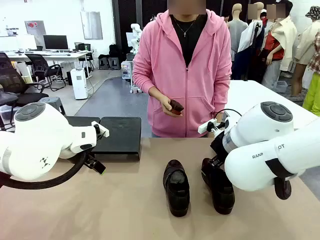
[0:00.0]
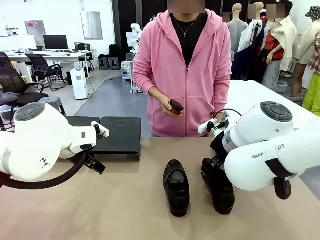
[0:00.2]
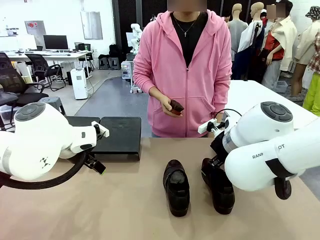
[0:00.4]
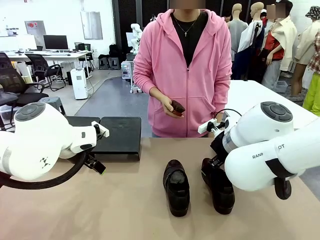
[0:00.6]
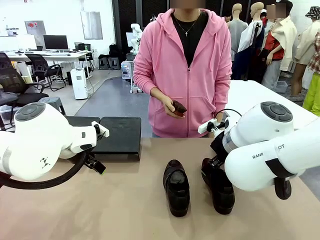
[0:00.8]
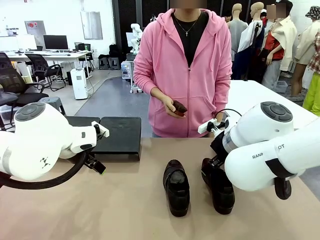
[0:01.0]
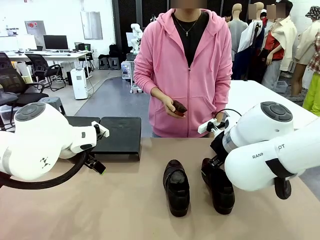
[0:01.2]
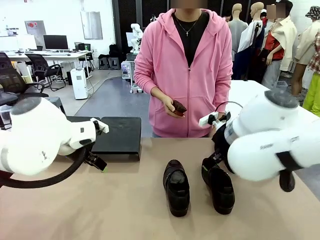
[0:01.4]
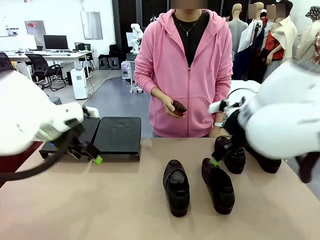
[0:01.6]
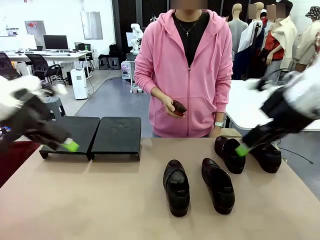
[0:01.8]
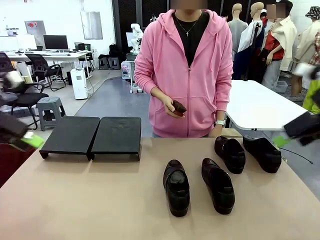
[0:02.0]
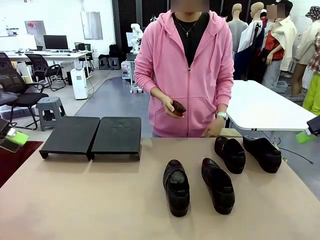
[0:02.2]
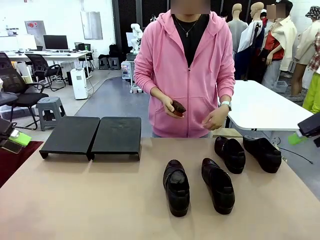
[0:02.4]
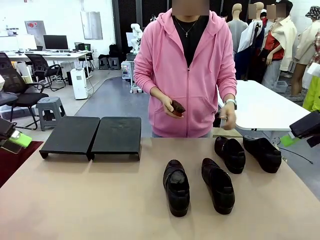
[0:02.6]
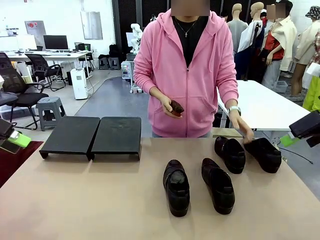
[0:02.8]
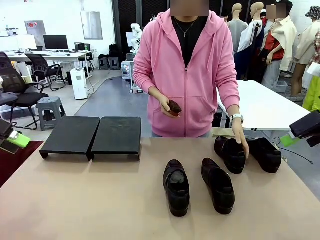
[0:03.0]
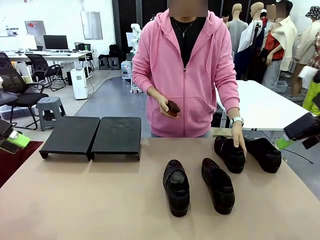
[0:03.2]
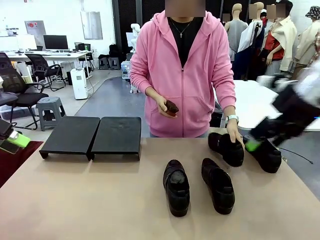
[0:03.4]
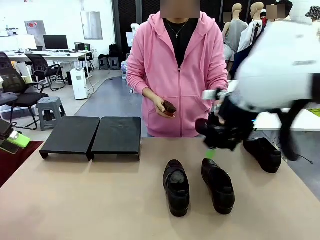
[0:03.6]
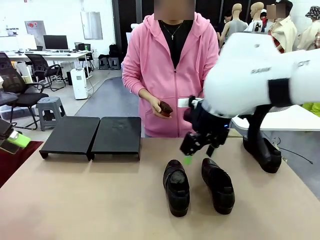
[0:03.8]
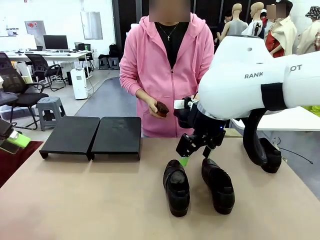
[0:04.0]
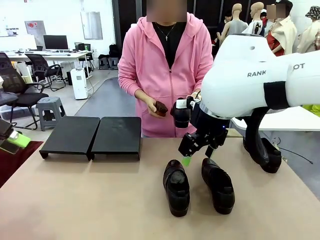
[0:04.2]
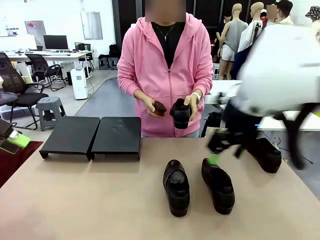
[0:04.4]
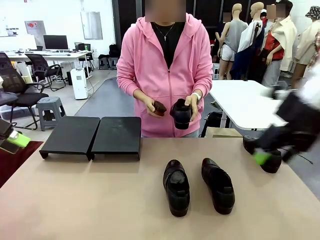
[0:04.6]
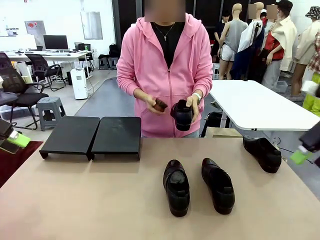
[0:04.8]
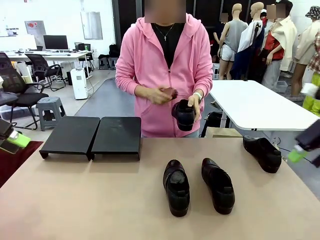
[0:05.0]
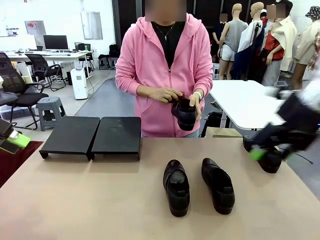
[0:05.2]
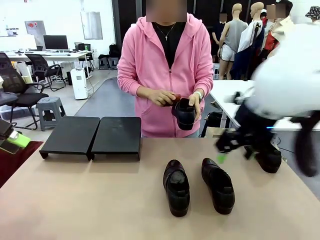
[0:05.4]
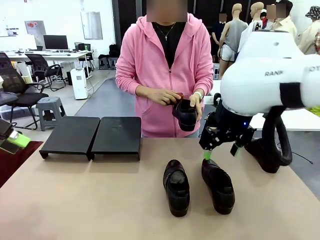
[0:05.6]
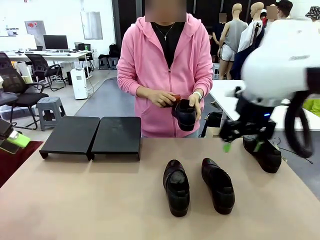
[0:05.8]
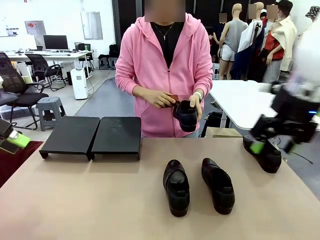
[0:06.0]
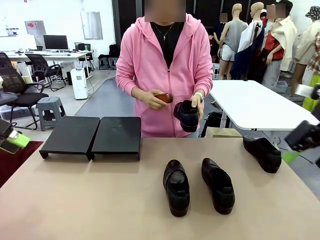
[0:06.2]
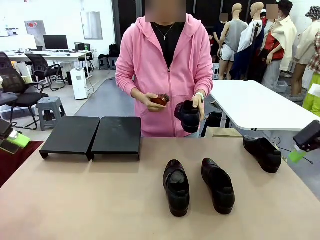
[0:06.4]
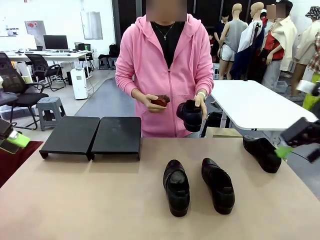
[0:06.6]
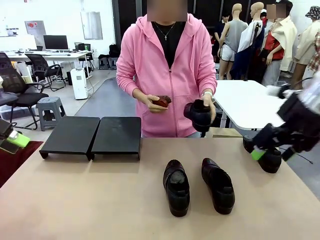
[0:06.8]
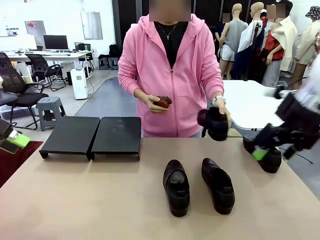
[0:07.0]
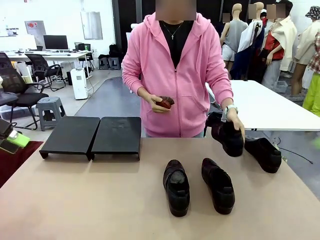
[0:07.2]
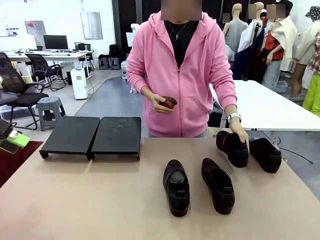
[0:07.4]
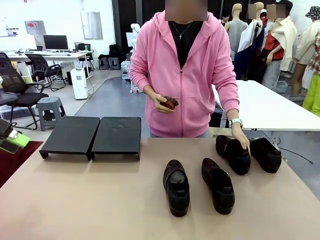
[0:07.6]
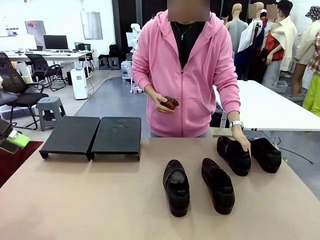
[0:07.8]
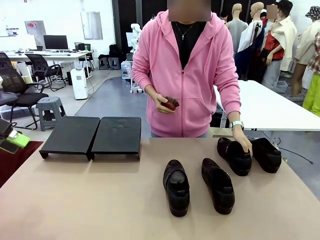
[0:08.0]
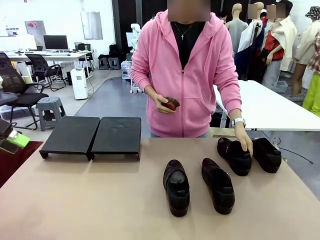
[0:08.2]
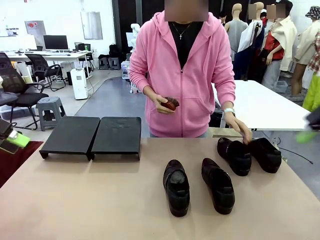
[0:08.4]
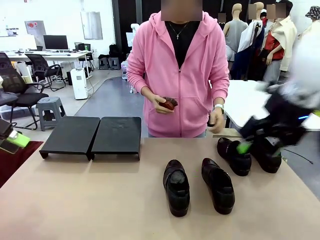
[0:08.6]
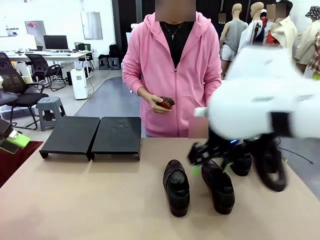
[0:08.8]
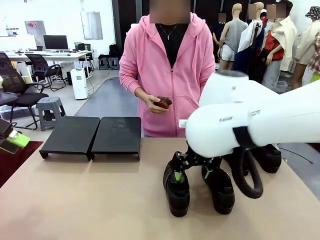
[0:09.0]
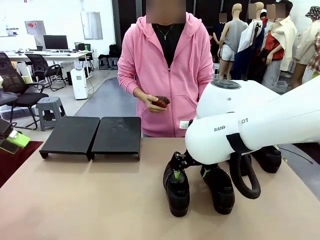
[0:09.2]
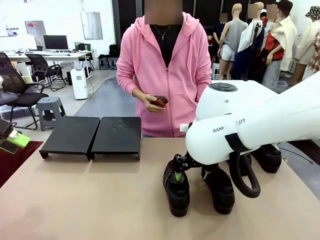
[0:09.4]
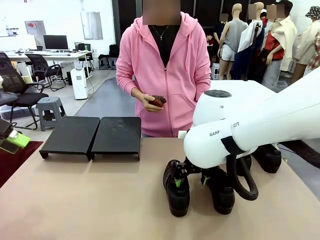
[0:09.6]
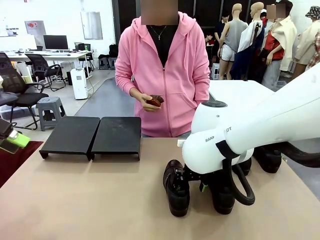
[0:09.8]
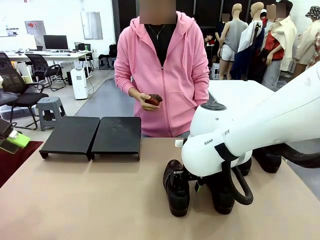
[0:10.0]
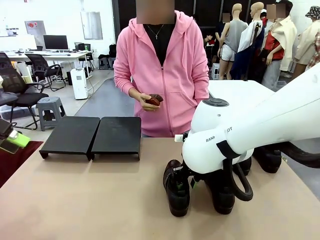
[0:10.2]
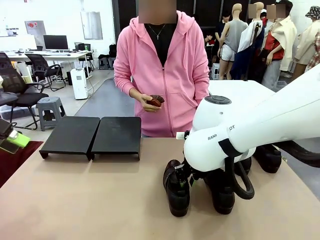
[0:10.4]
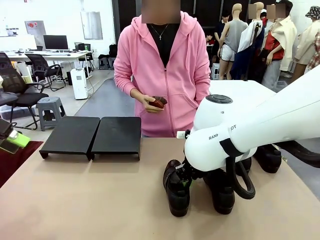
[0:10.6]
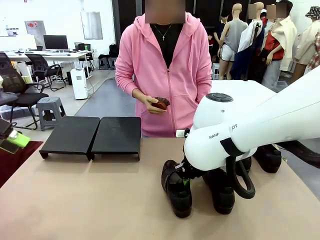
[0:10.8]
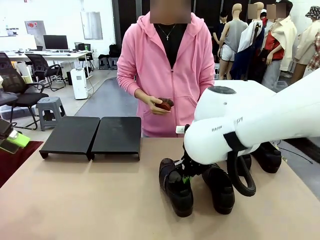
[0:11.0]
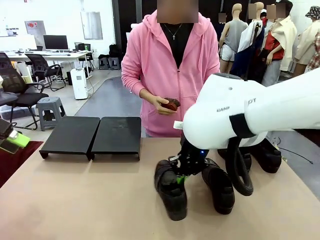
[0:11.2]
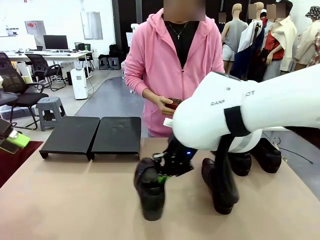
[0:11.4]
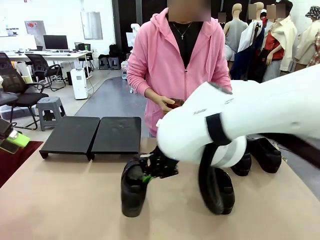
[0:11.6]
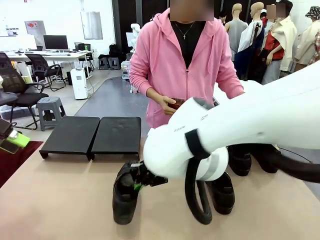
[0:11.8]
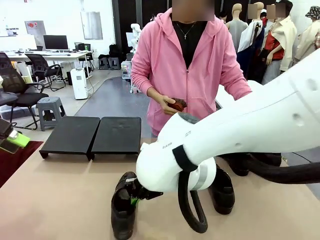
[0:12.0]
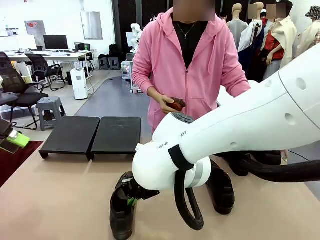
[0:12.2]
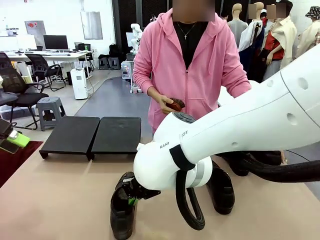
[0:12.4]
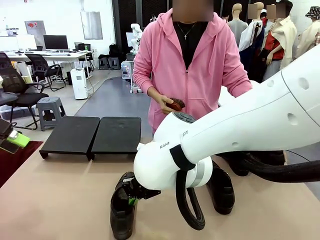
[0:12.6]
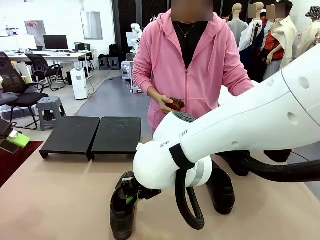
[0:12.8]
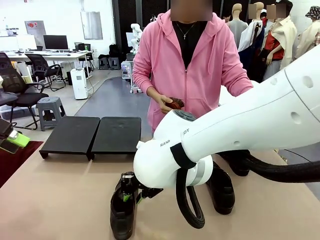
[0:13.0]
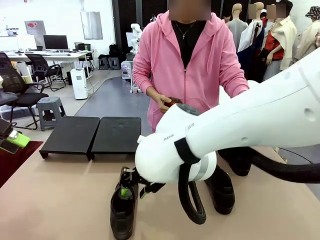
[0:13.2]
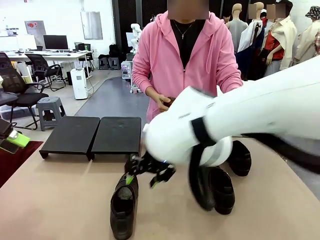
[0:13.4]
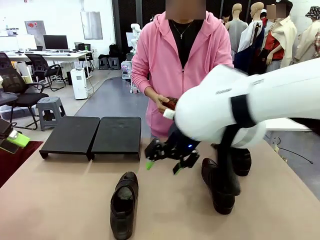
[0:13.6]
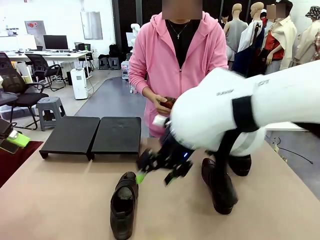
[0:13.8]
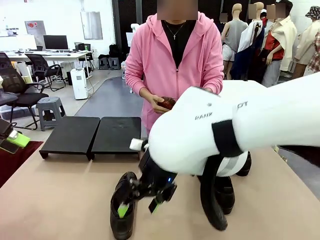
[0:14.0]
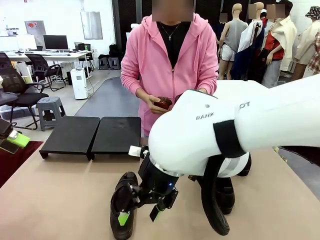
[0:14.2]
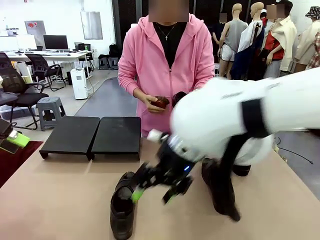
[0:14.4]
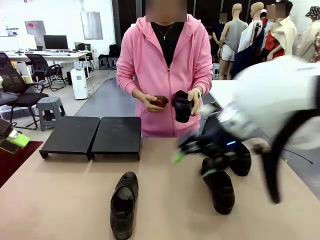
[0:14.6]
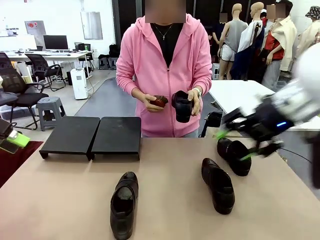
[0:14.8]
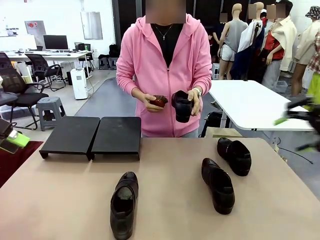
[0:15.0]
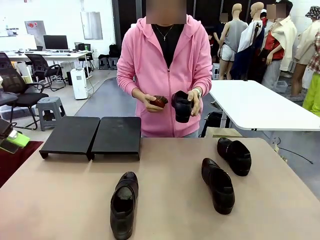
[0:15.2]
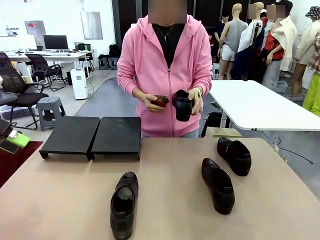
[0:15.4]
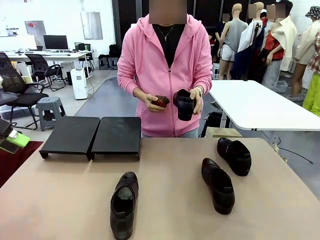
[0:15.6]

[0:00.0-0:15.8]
Task: Organize the shoes by placing them on the stand.
Robot: Pick up one Shoe and place it in the middle of the table.
Person: Pick one Shoe on Robot's table. Clean the Shoe with the Shoe Brush. Place the Shoe on left side of the Robot's table. Pick one Shoe on Robot's table.

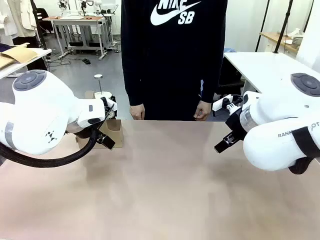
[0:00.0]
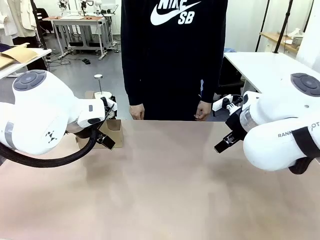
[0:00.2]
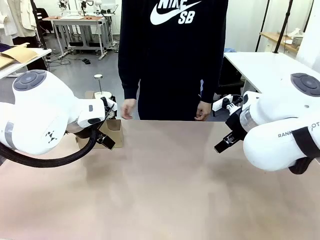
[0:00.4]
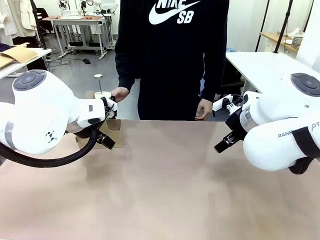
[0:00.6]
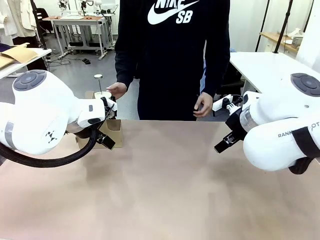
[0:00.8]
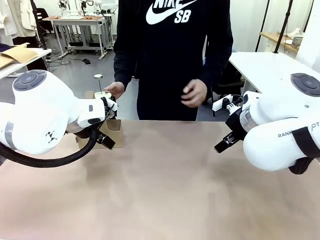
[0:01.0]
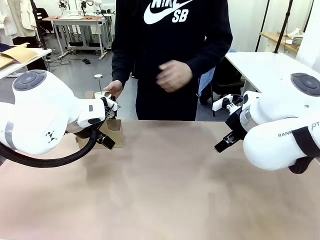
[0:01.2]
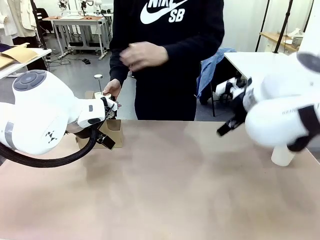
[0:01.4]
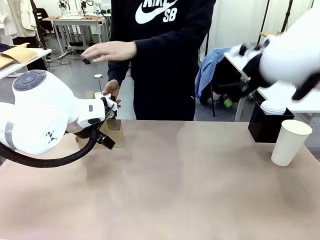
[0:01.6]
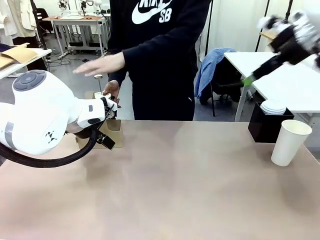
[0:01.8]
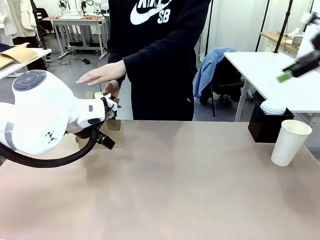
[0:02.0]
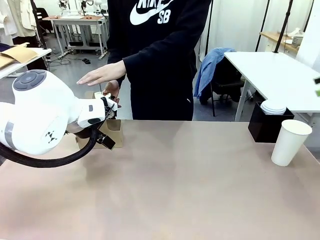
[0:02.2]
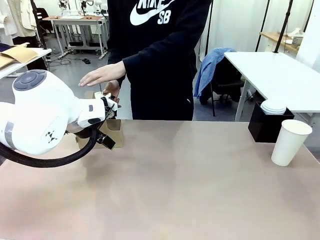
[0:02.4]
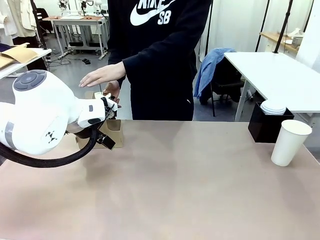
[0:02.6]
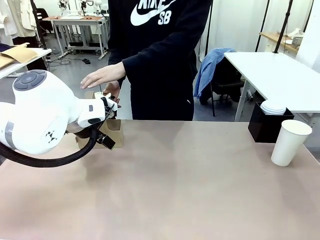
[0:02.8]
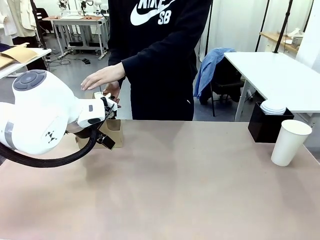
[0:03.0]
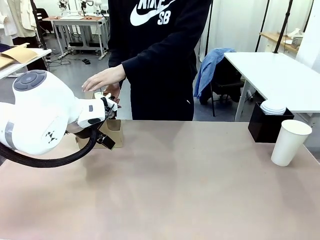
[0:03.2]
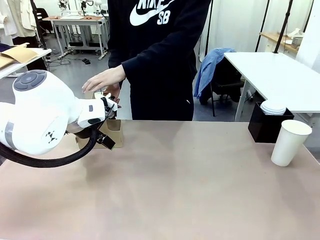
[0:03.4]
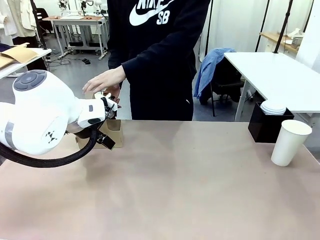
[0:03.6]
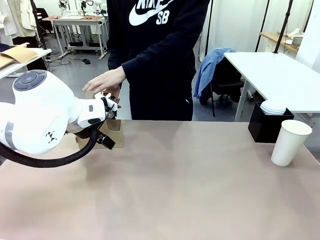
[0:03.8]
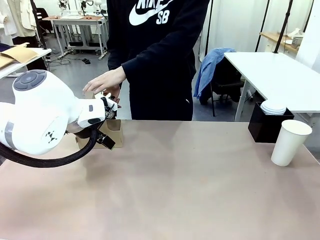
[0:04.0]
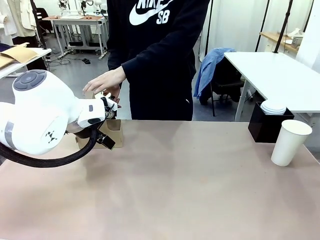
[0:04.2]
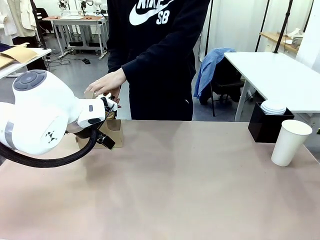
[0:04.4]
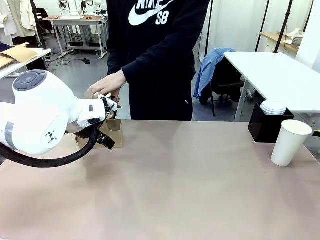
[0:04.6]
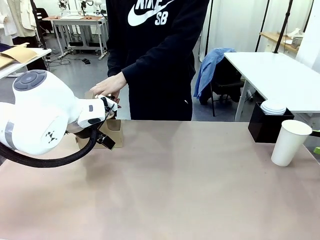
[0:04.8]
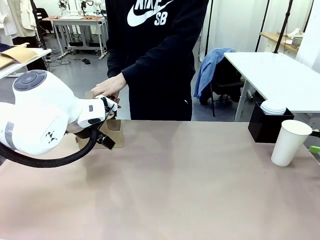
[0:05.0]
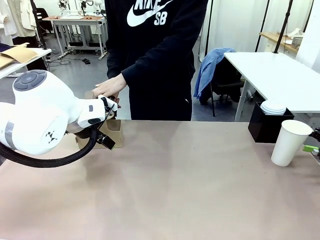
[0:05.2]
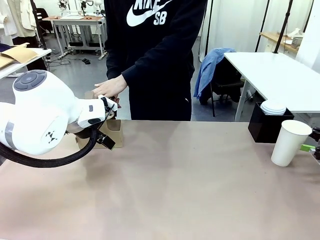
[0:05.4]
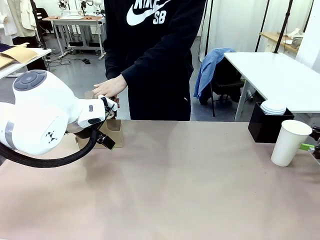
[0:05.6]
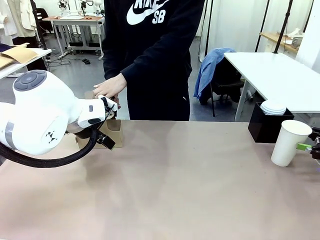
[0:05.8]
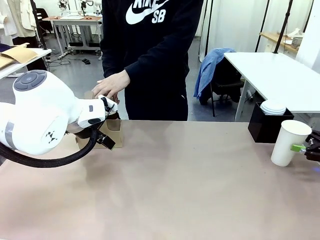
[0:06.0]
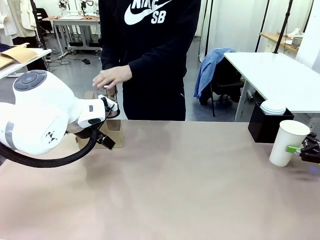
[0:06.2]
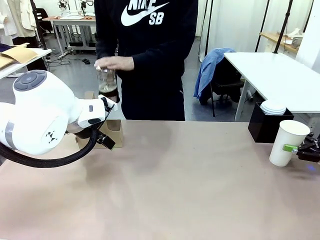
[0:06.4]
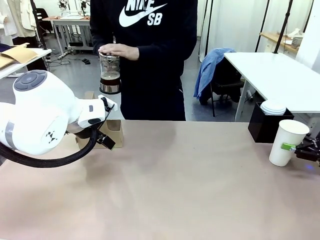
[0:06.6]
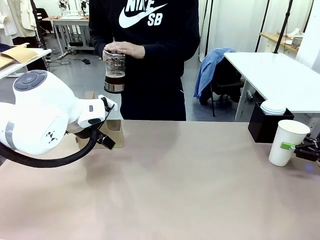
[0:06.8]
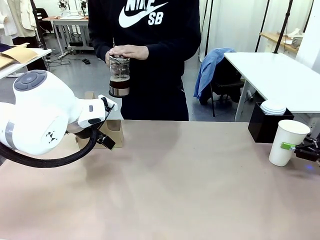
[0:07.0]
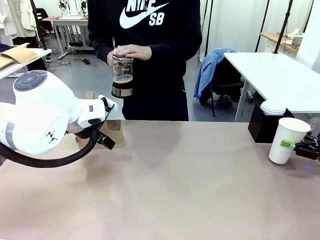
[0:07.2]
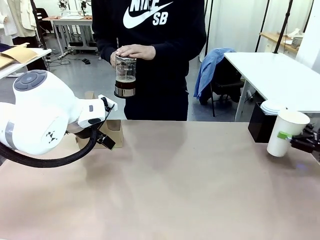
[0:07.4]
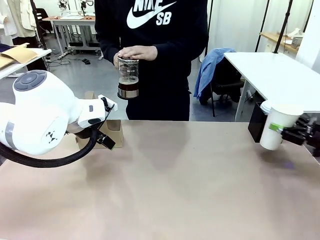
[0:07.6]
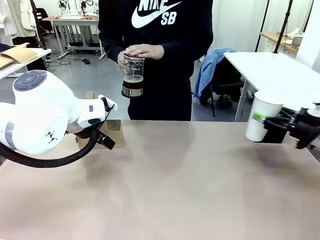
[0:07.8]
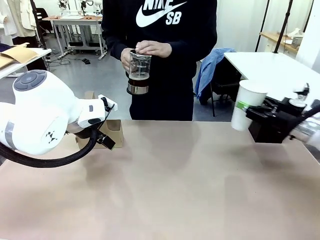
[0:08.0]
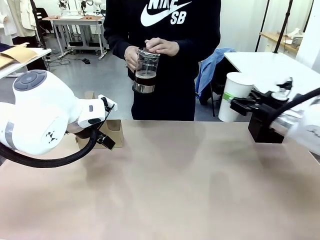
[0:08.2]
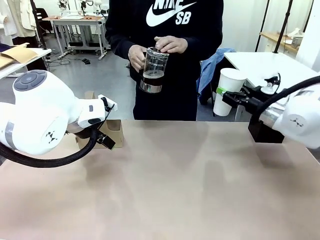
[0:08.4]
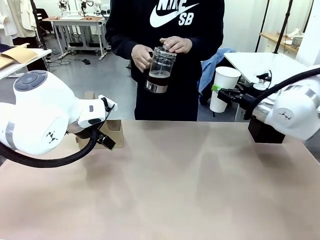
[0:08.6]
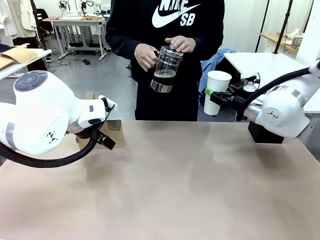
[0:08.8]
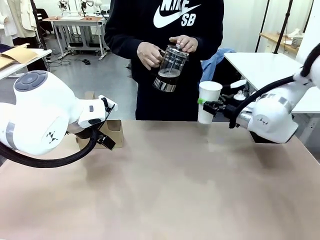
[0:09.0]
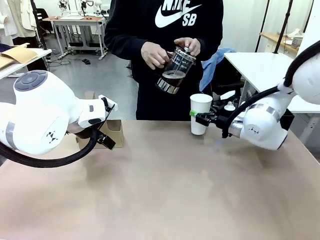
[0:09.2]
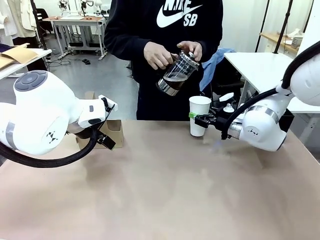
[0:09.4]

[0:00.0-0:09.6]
Task: Pour a drink into a cup and package it in a carrier.
Robot: Pick up the 600 ml Paper Cup and place it in the middle top area of the table.
Person: Press and pick up the Filter Brewing.
